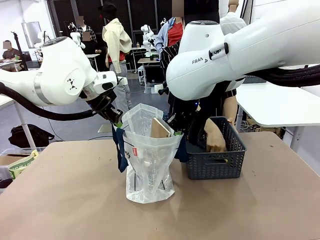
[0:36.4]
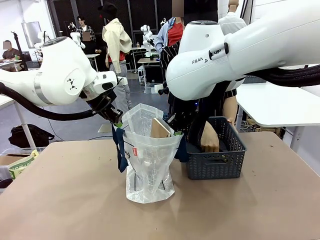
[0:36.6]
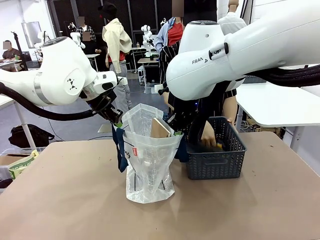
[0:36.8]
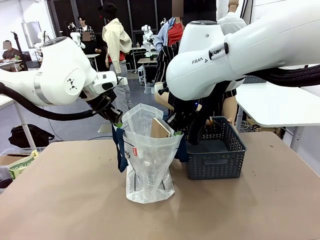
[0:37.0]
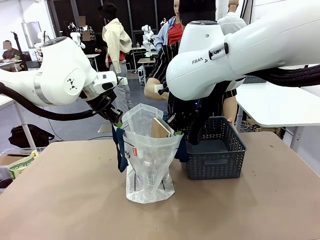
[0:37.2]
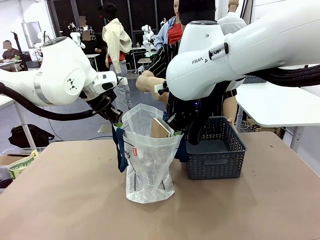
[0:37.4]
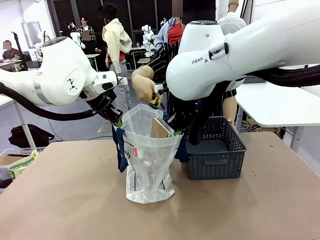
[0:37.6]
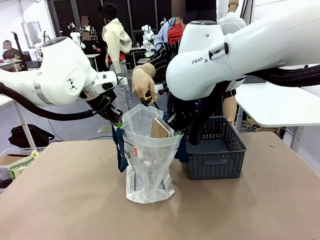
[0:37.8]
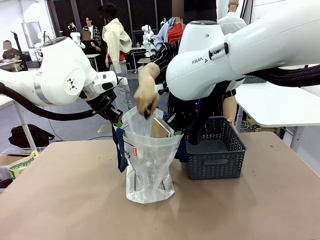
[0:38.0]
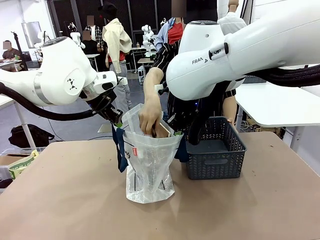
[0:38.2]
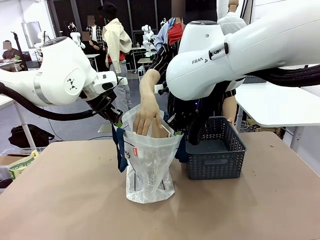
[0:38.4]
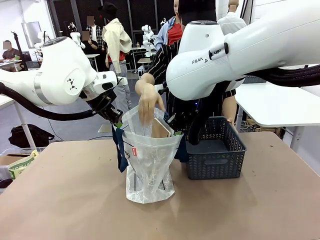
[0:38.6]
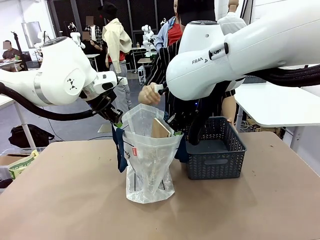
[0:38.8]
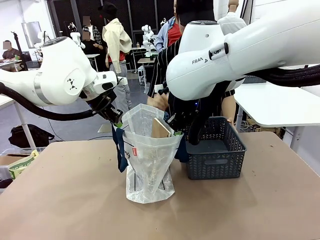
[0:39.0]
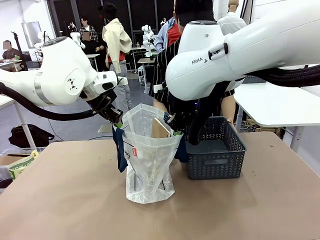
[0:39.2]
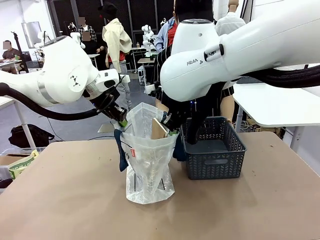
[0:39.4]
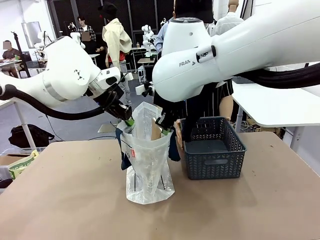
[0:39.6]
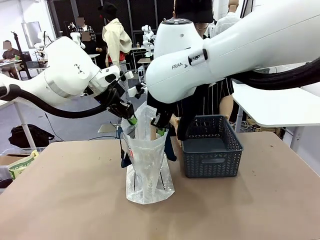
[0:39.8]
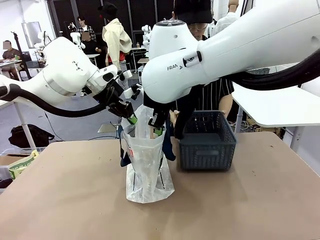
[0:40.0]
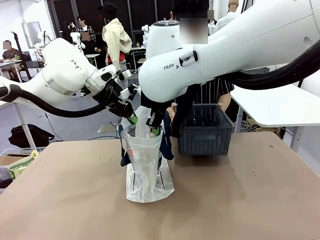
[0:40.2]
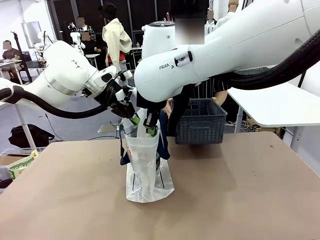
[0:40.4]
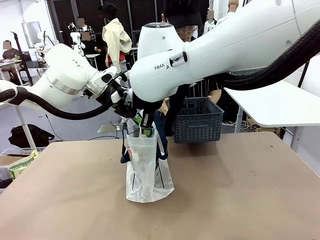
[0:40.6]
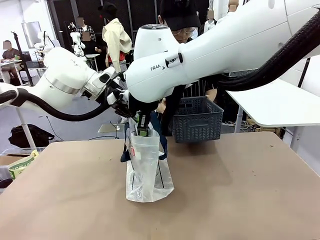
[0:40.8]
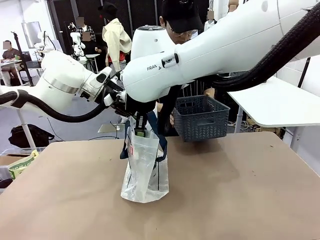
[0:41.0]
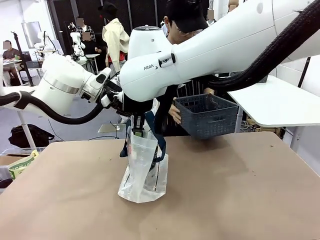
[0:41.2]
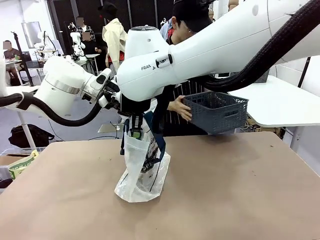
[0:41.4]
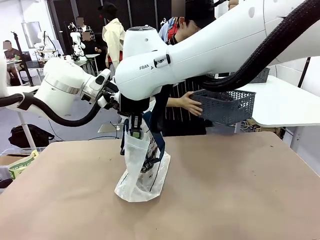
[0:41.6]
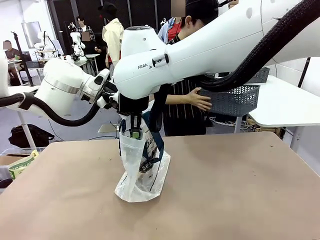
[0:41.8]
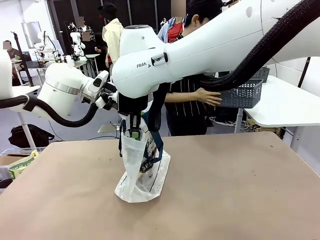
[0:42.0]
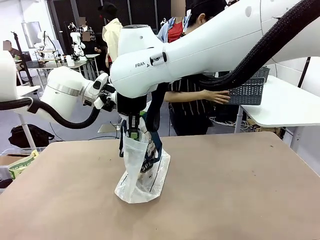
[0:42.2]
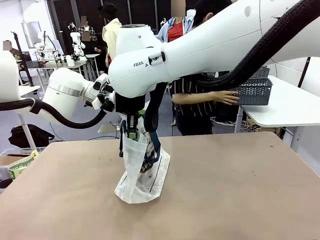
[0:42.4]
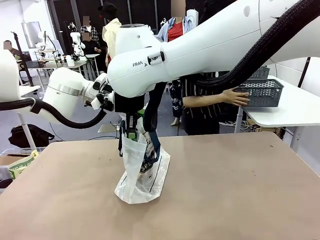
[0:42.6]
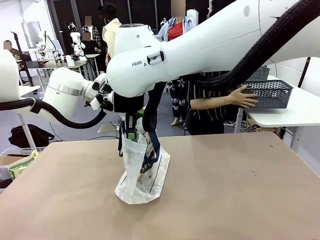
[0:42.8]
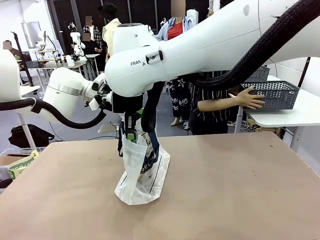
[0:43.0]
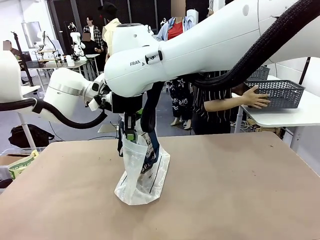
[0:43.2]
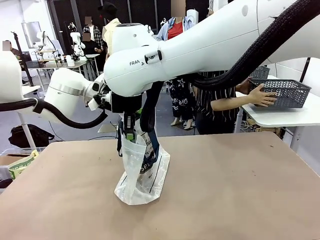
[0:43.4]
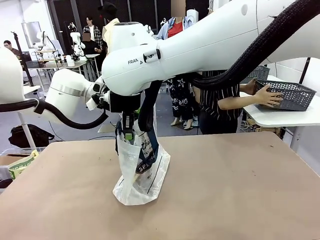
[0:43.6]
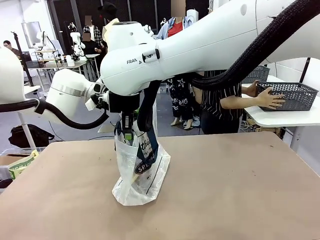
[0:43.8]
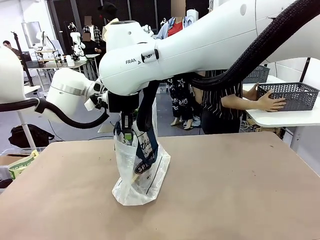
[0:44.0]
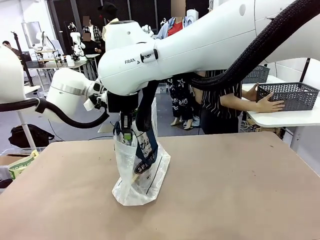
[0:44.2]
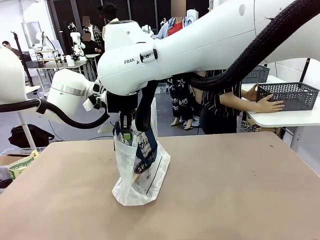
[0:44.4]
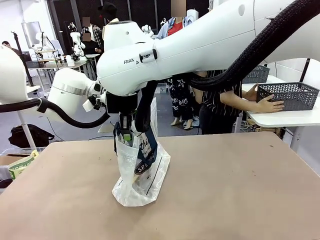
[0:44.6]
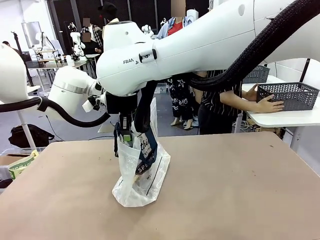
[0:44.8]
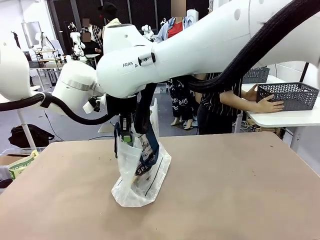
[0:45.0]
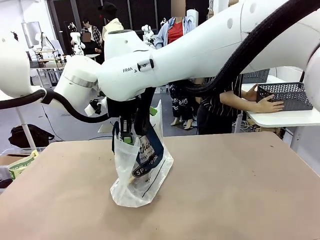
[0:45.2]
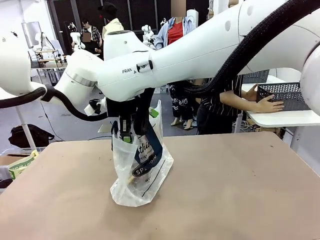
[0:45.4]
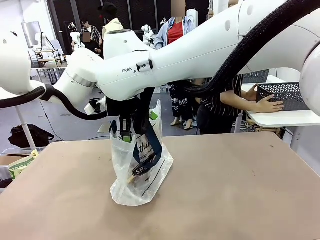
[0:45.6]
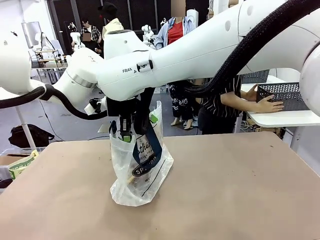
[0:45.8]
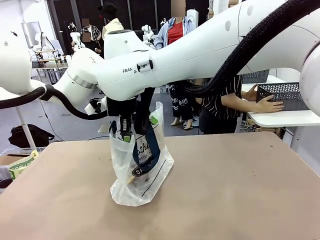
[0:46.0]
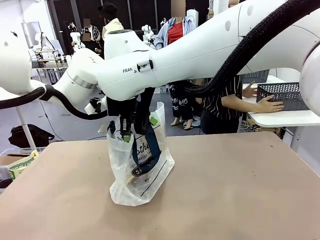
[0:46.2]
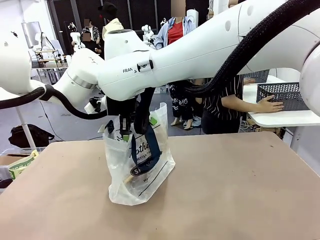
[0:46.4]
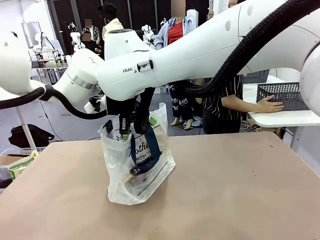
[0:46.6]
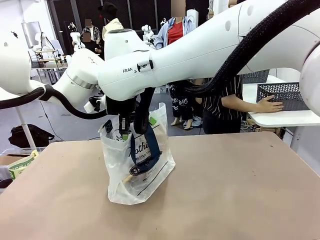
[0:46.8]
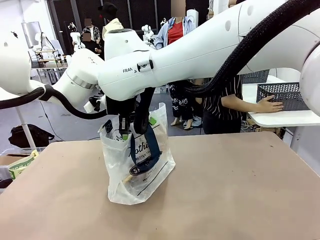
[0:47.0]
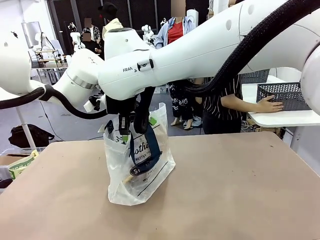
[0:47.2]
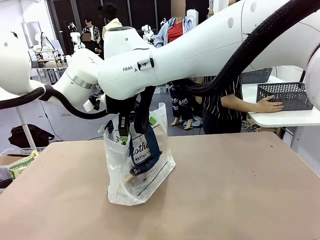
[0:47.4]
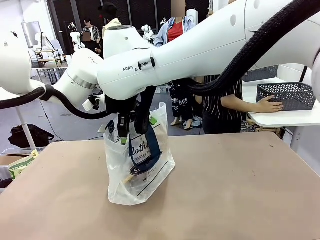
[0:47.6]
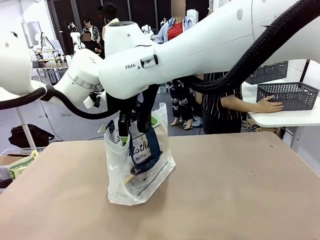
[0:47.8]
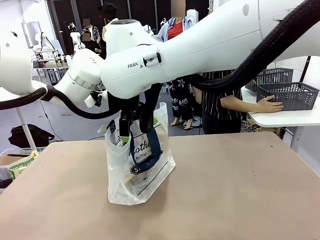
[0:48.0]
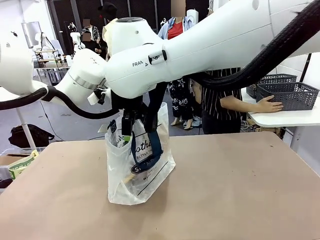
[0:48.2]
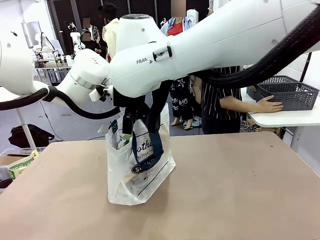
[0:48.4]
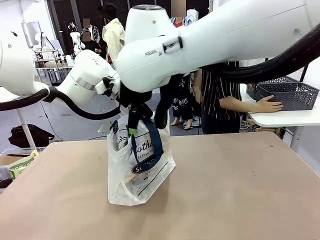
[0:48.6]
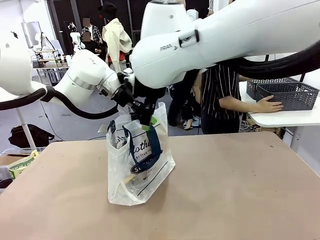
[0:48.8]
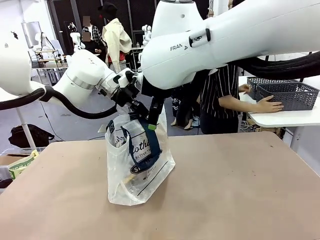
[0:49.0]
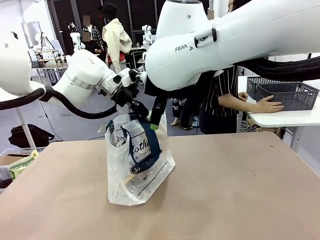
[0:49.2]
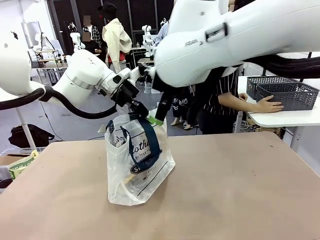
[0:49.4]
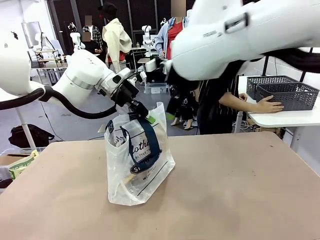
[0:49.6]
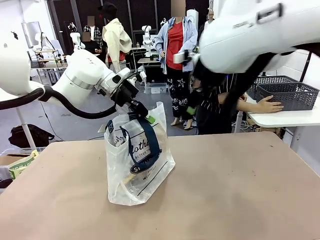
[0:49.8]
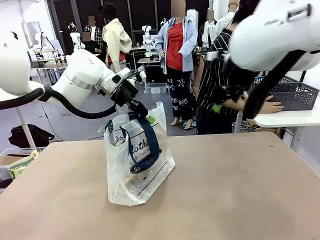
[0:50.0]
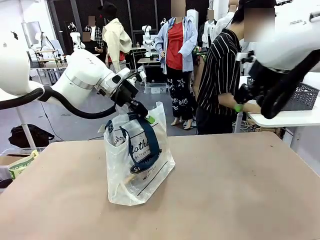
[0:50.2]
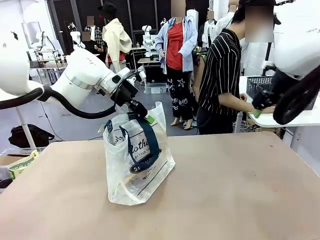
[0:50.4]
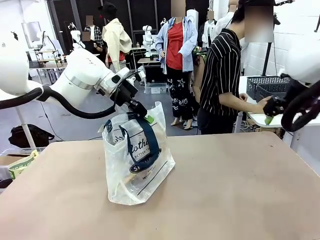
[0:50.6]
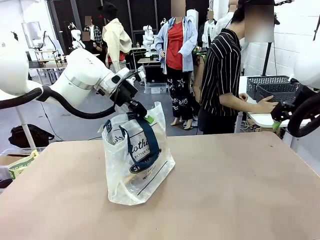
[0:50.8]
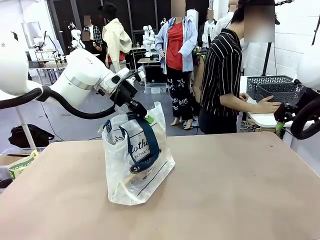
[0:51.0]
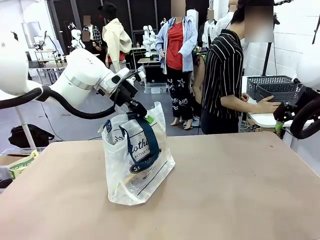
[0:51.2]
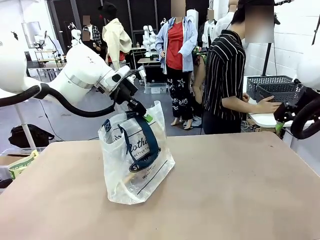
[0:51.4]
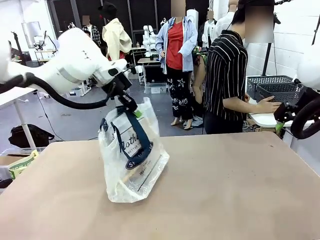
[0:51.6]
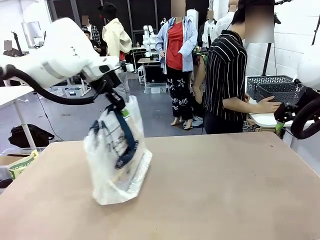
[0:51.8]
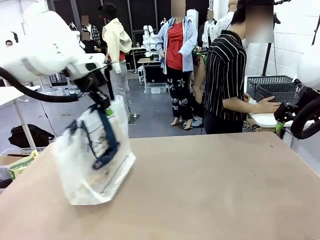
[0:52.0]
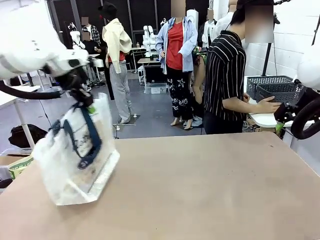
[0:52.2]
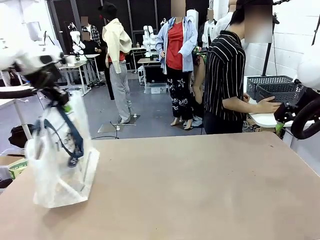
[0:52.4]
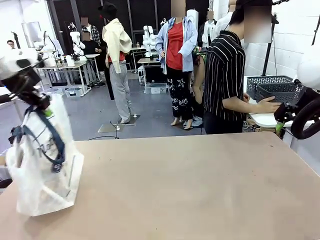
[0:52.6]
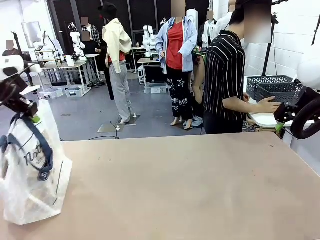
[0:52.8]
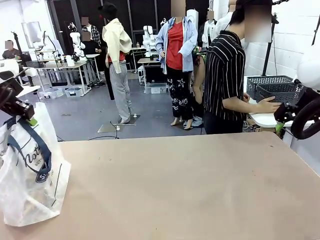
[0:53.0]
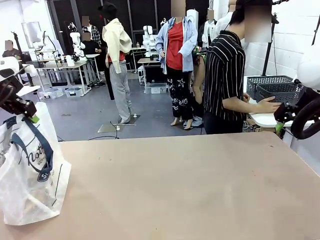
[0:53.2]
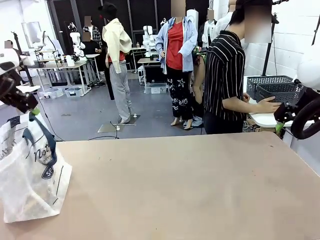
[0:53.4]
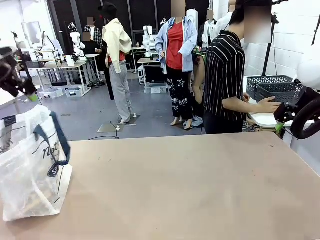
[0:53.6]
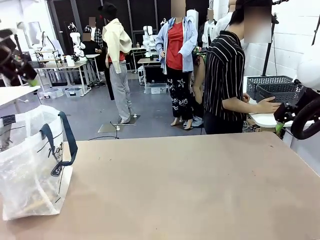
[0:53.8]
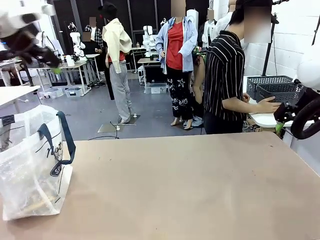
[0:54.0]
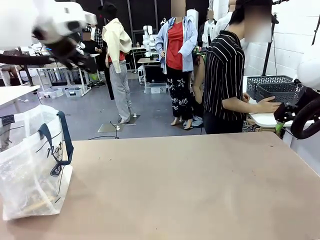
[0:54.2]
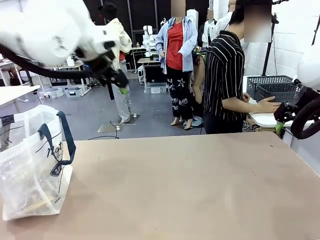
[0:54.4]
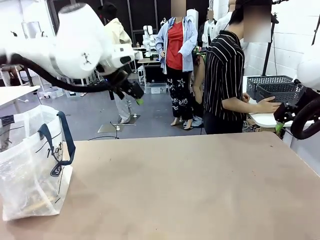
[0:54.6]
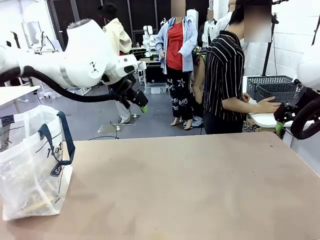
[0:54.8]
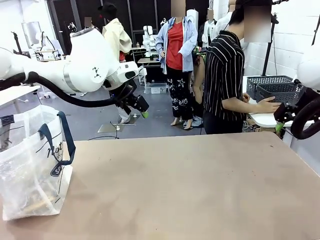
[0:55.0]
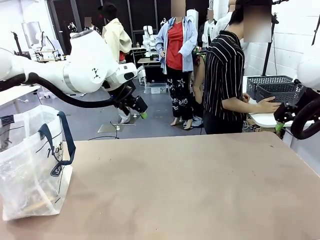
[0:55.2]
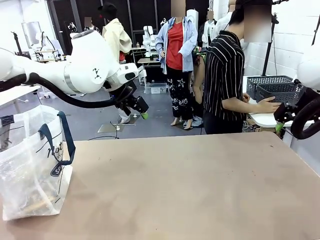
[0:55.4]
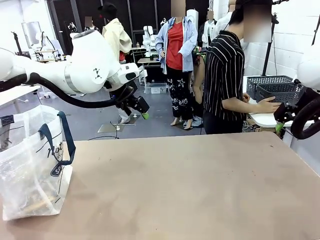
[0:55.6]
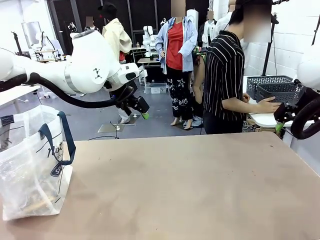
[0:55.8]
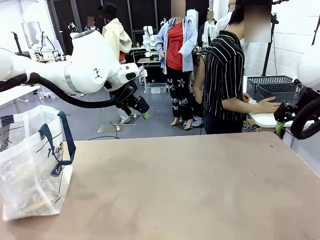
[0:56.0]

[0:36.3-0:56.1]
Task: Transfer purchased items from the store into the shopping bag.
Robot: Move the Reusable shopping bag to the right side of the table.
Person: Move the basket on the left to the middle of the person's table.
